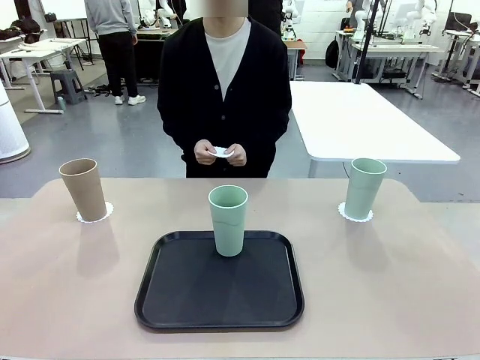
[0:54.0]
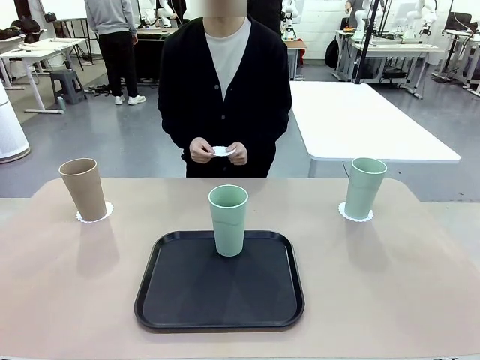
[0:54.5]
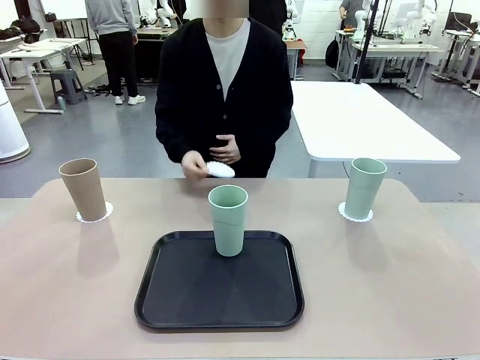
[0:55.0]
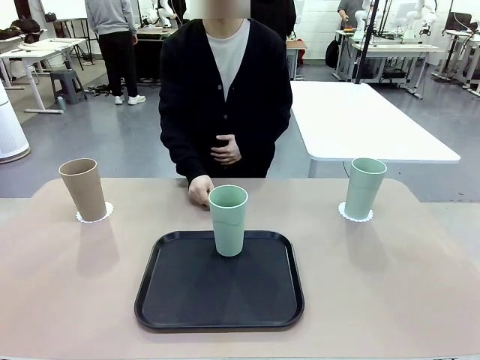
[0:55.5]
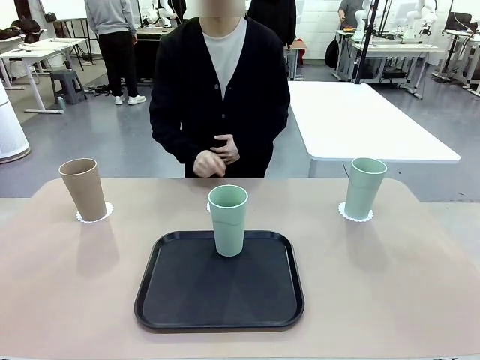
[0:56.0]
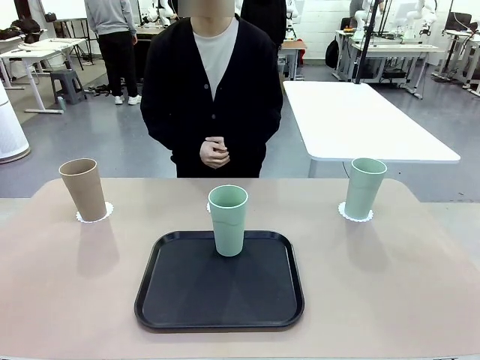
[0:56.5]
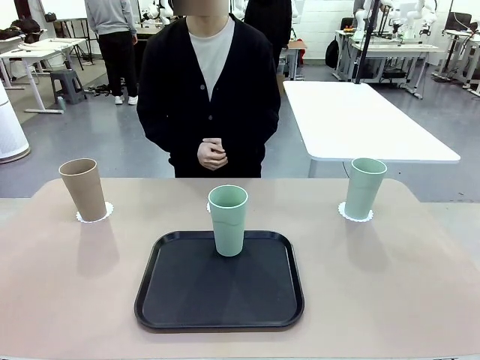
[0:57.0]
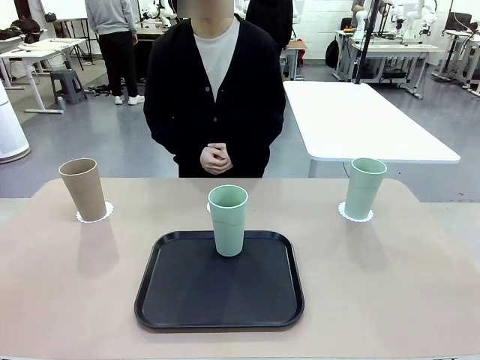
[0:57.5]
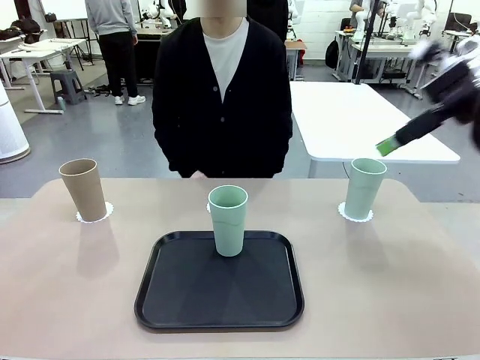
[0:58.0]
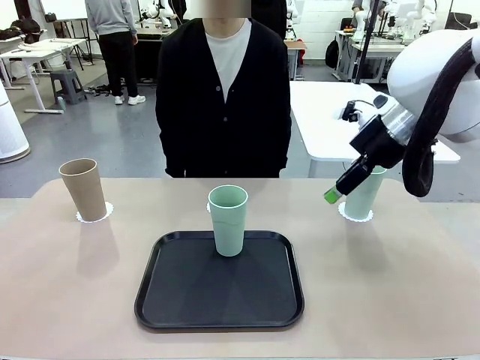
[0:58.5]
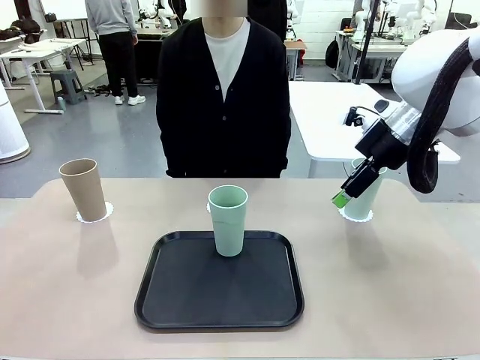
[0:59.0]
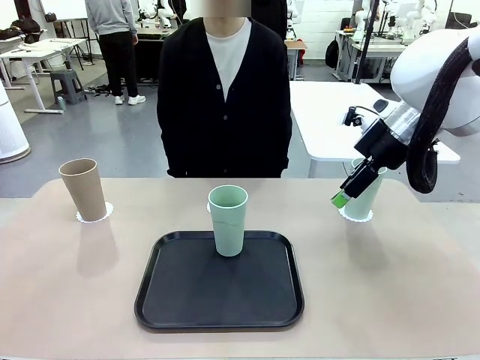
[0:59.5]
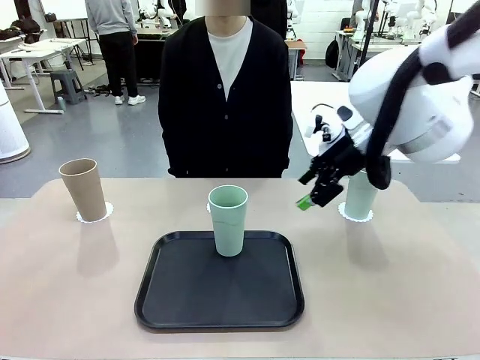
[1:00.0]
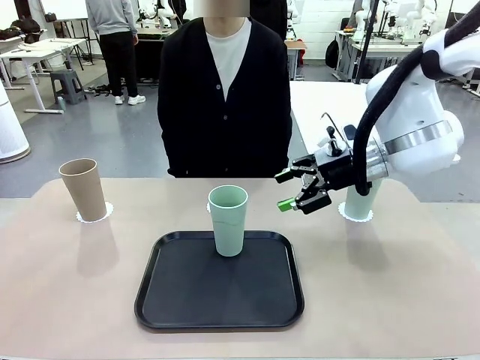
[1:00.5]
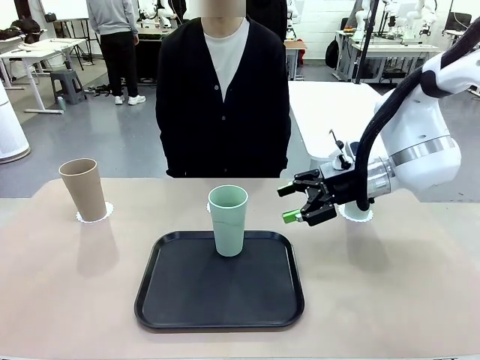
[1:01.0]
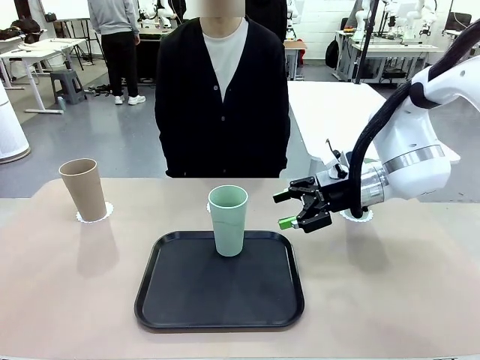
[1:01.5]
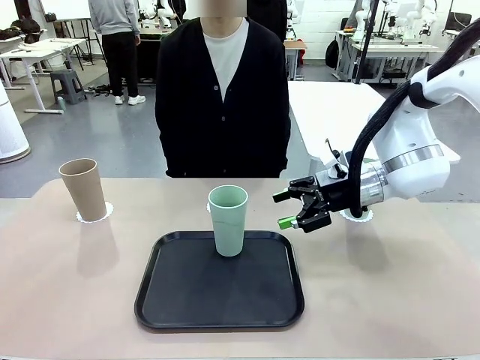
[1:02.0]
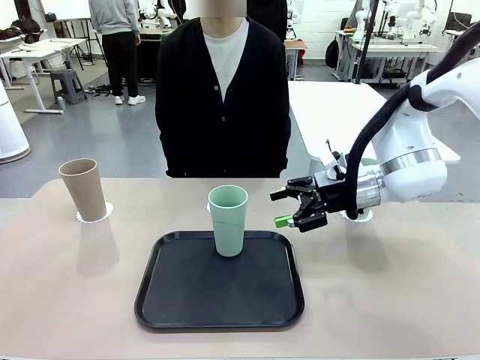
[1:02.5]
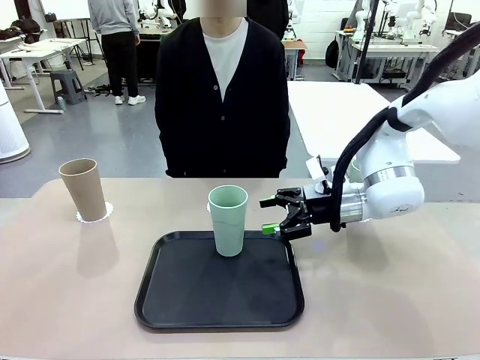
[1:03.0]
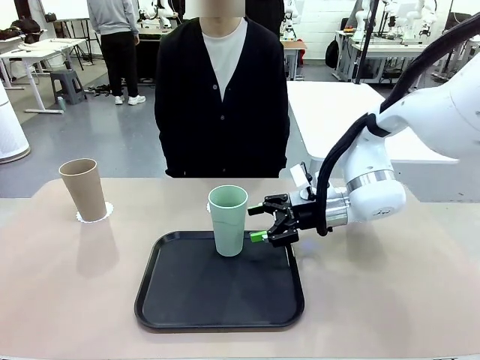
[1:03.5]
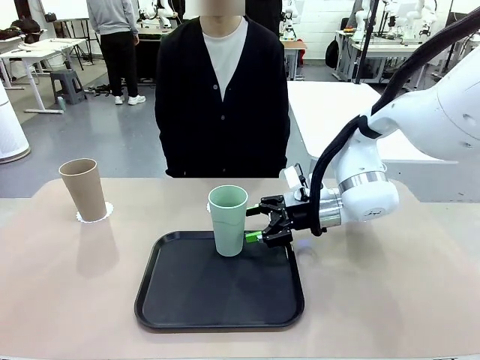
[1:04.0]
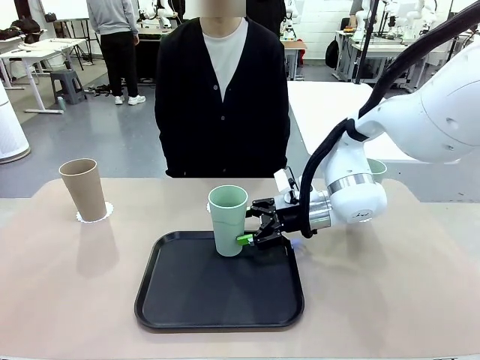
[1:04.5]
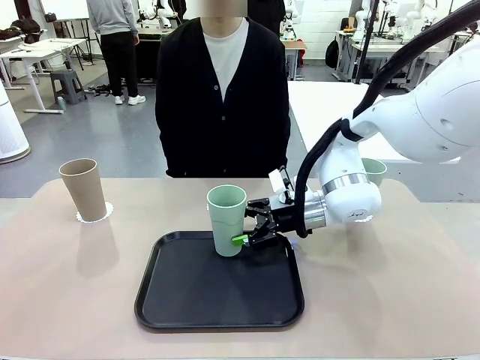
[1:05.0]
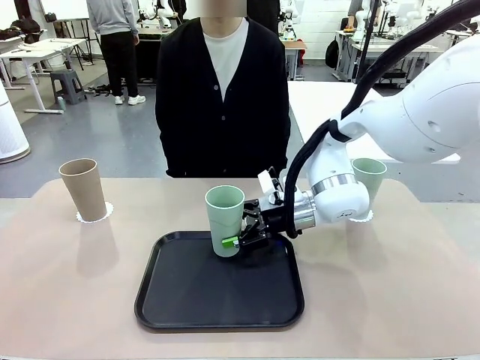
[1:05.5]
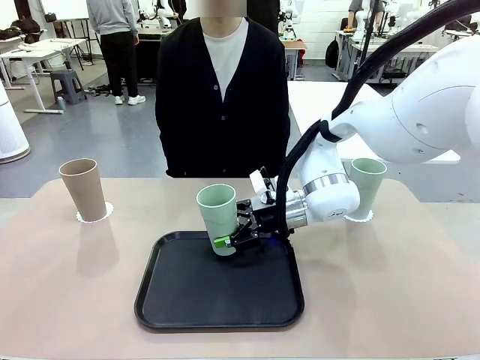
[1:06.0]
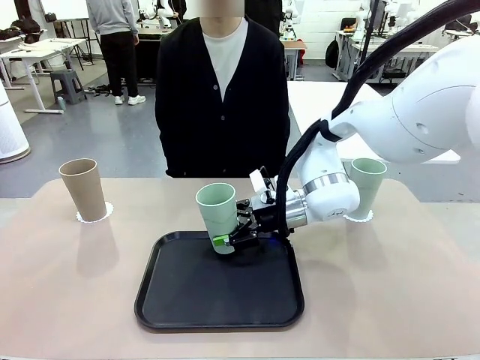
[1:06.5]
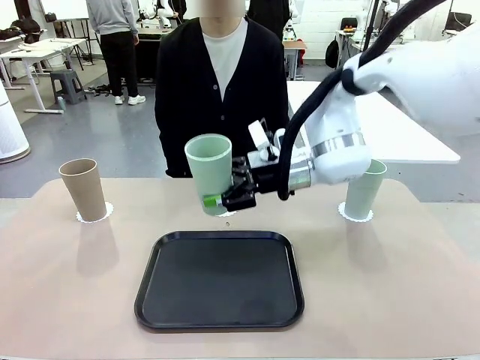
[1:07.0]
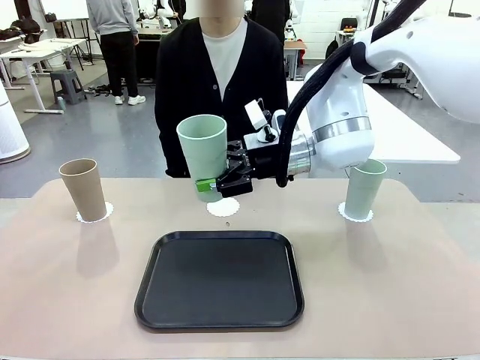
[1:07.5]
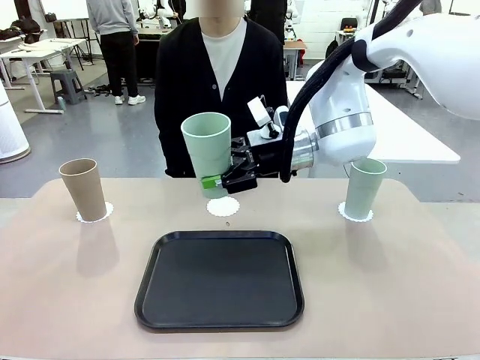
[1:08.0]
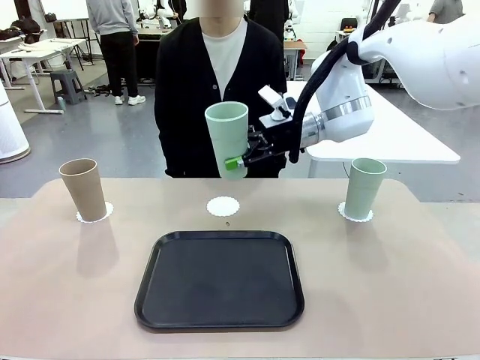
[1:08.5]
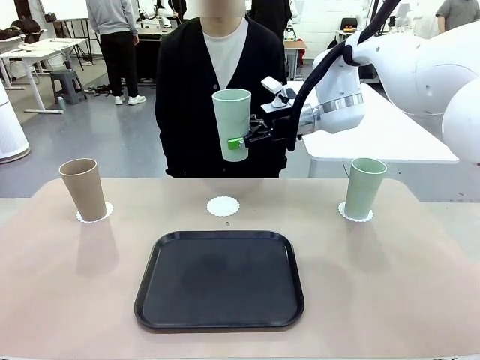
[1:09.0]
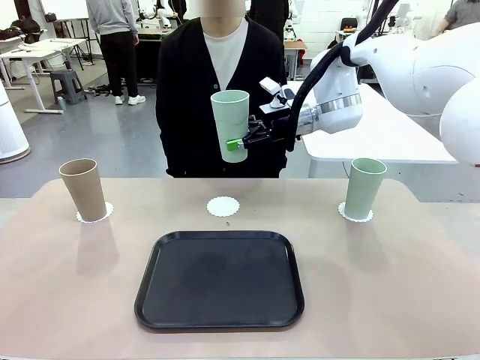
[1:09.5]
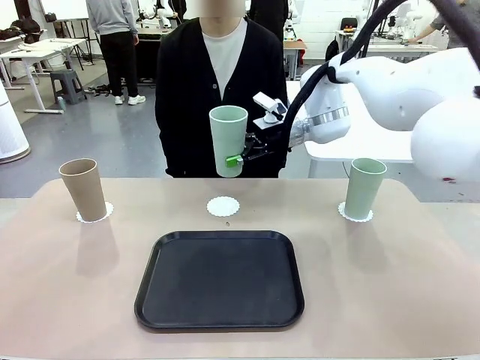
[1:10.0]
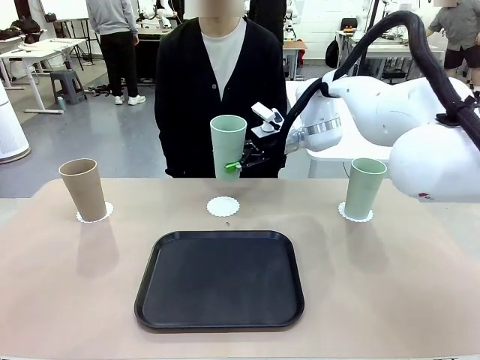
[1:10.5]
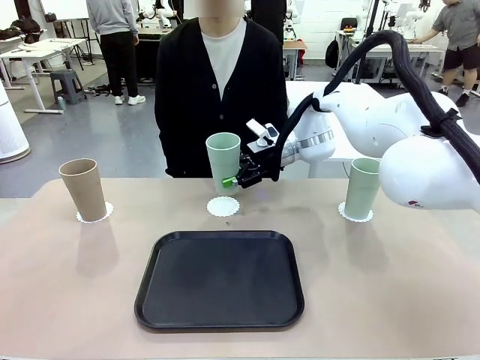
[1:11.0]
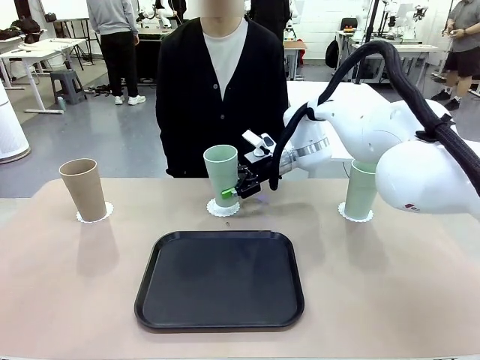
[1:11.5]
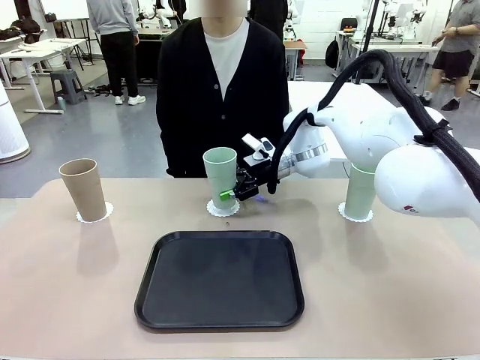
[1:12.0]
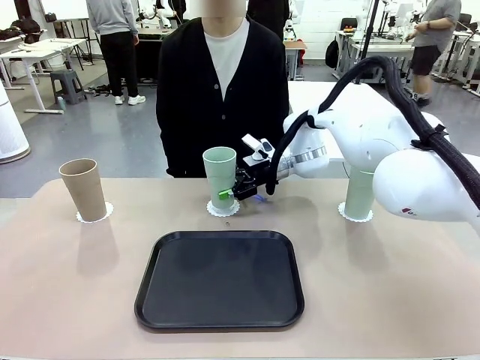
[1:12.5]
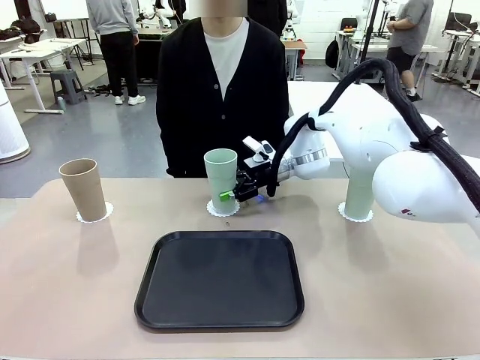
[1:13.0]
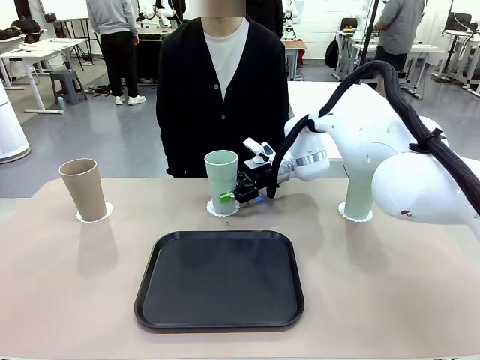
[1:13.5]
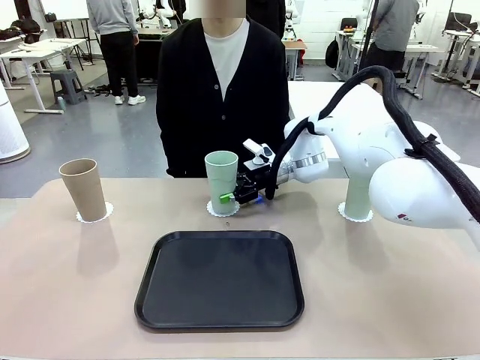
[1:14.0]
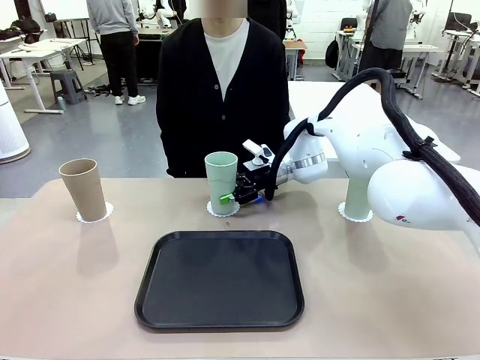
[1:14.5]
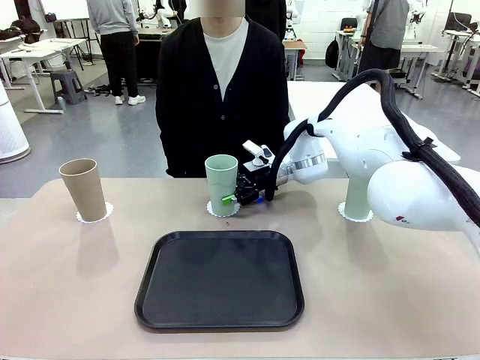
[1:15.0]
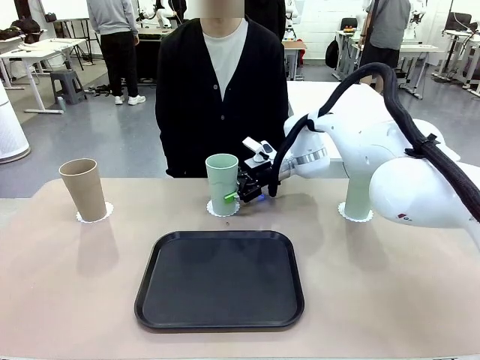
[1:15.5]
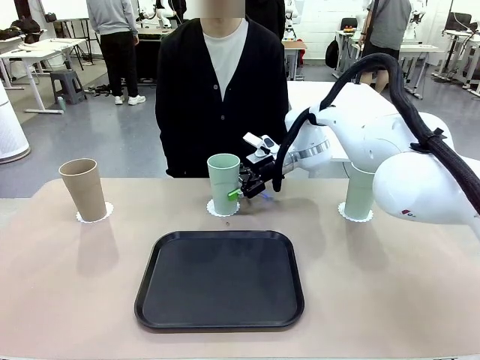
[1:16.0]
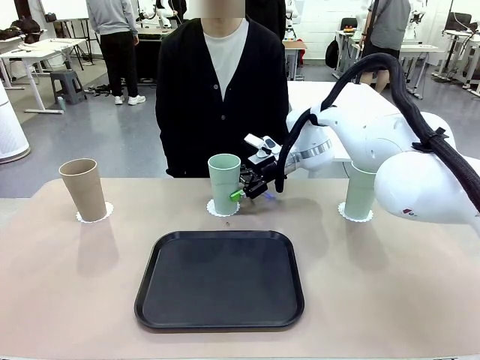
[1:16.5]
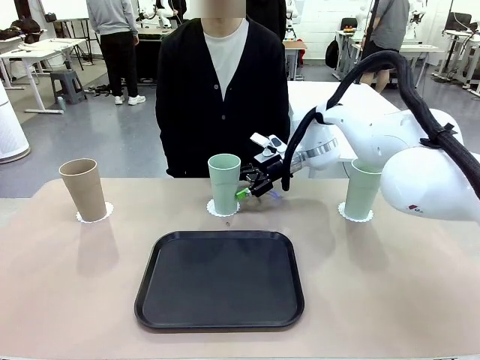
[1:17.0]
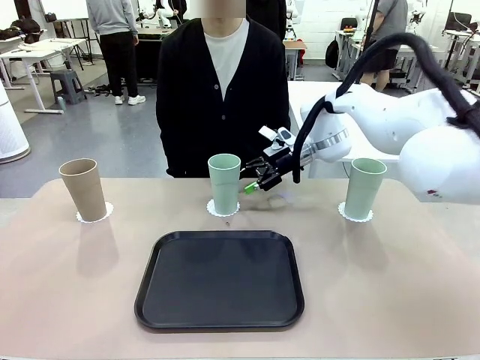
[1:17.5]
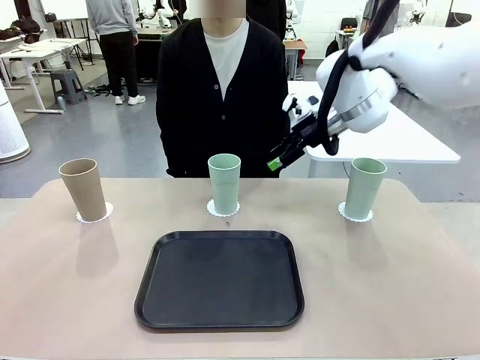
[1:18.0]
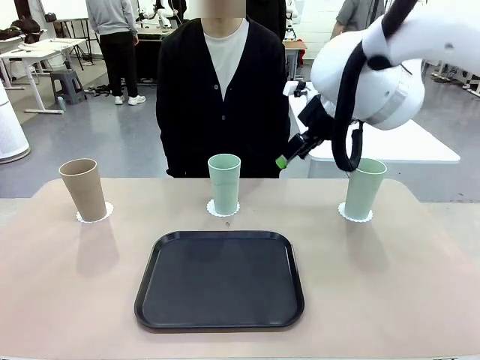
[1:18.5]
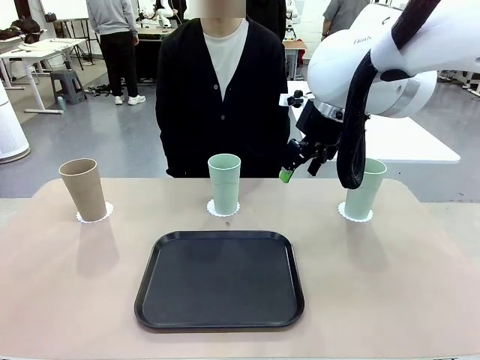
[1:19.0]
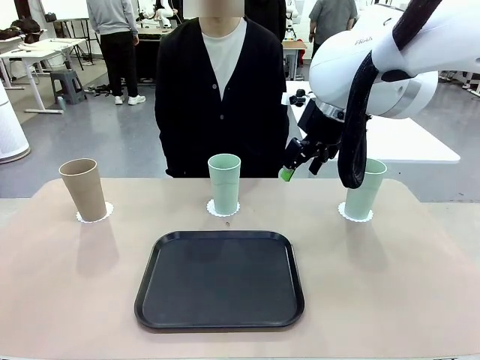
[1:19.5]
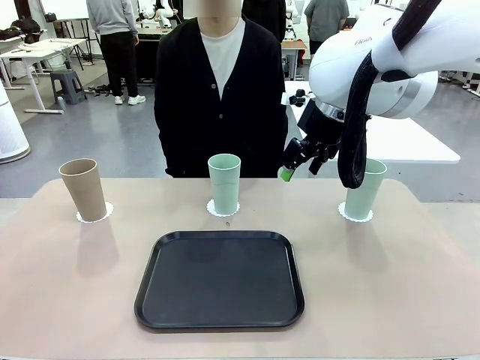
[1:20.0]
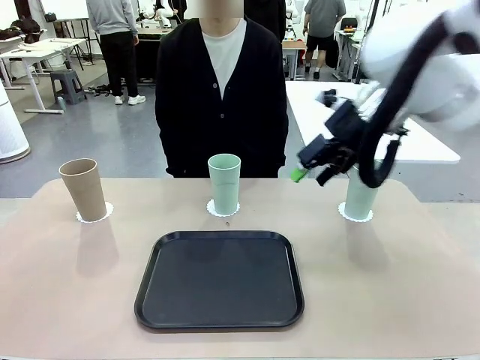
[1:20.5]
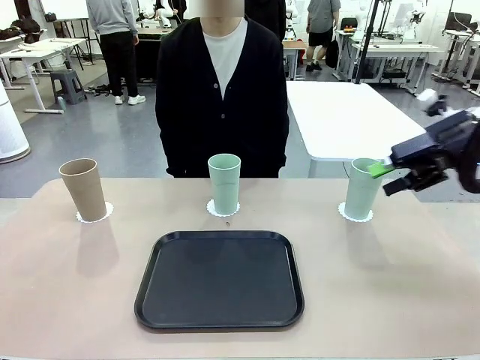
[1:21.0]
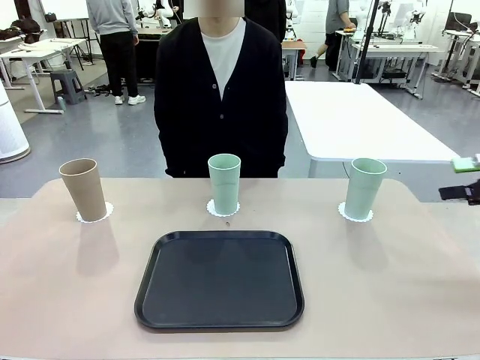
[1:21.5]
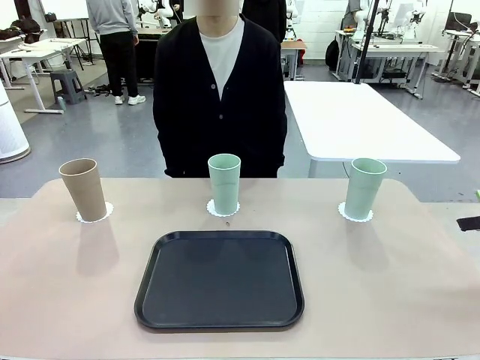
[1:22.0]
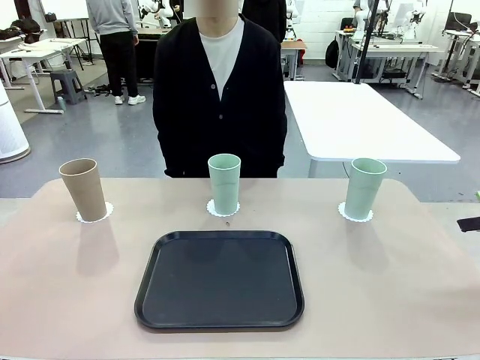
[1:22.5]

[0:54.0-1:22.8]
Task: Place coasters on the table and set cups on them.
Robot: Take one Reusable plastic cup from the Flat Tray and place it on a coaster set by the human.
Person: Place one coaster in the only remaining area.
